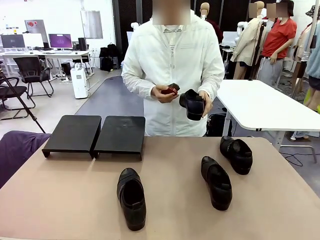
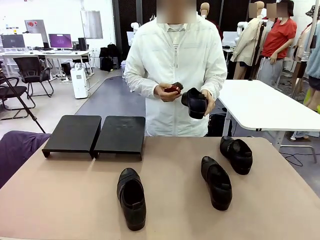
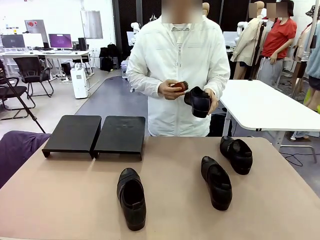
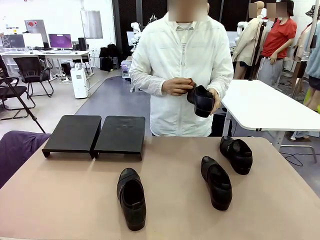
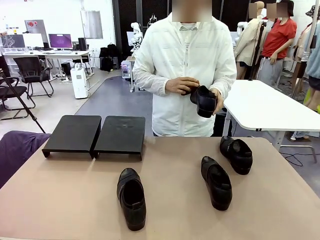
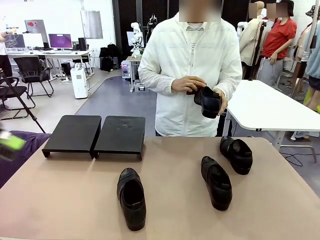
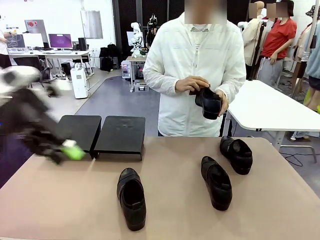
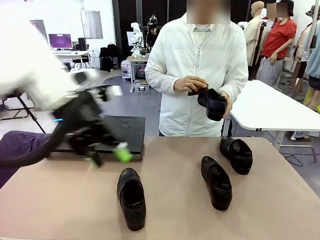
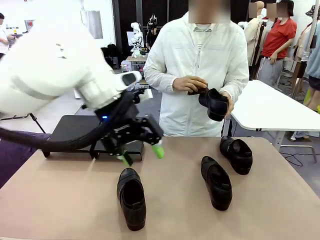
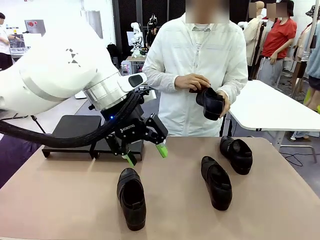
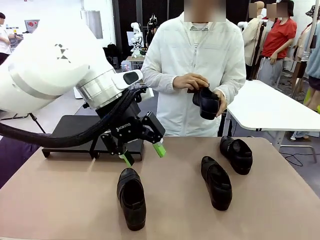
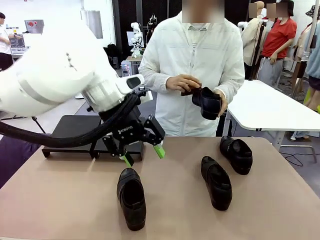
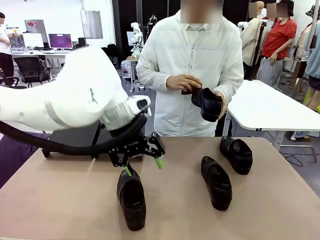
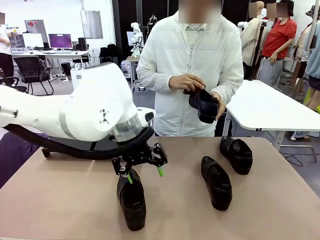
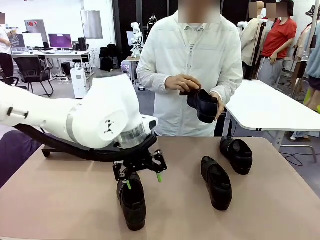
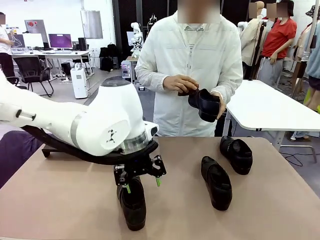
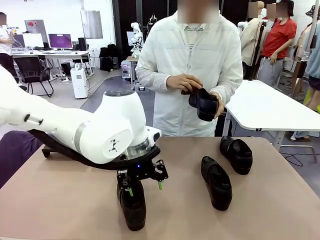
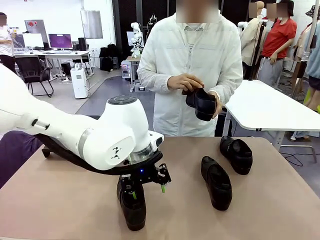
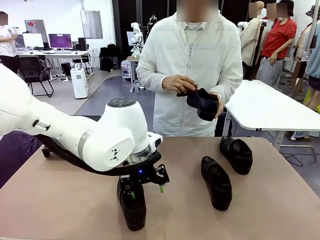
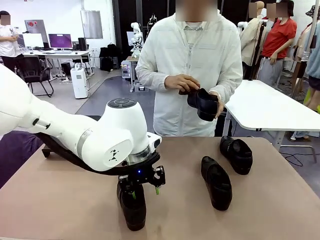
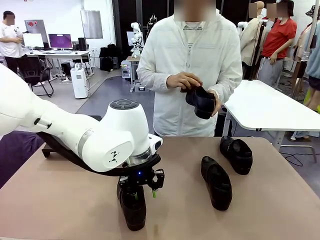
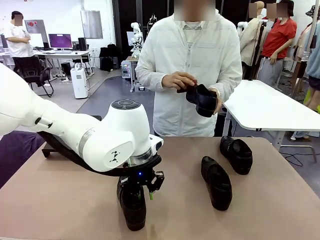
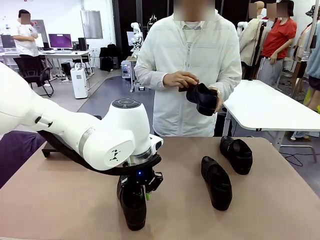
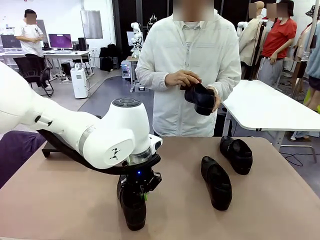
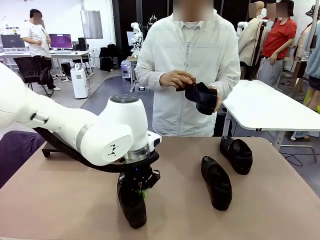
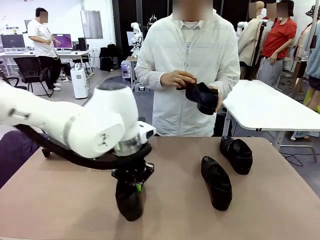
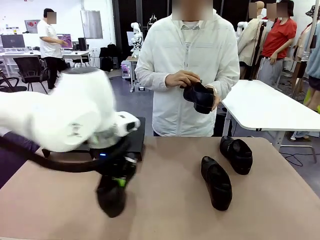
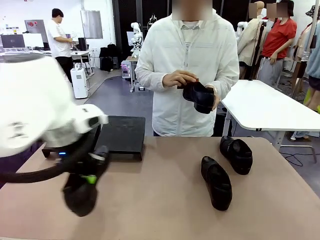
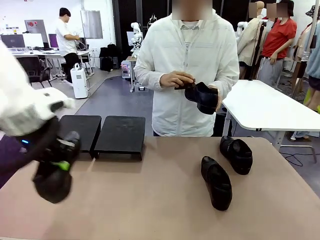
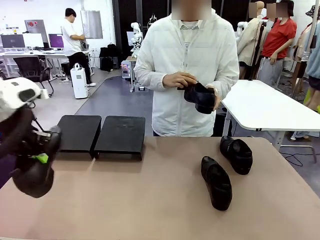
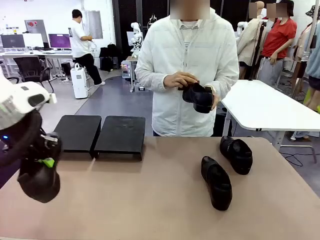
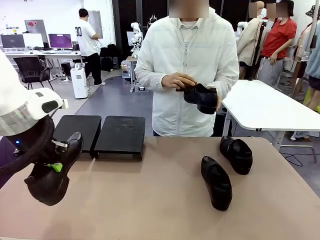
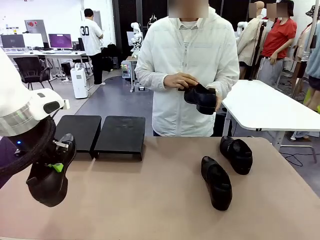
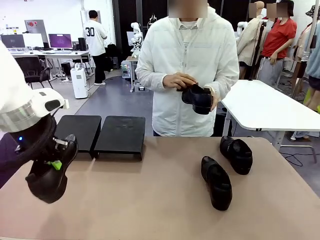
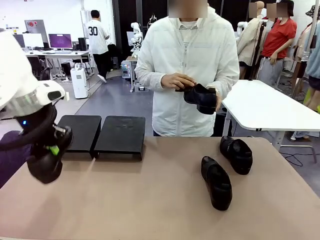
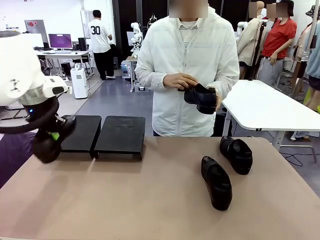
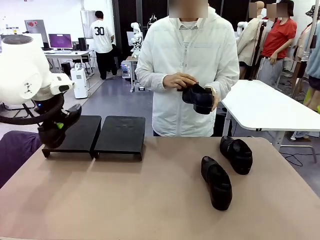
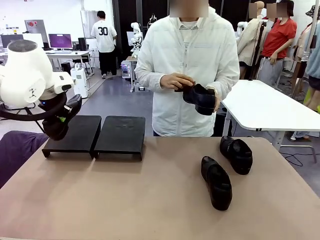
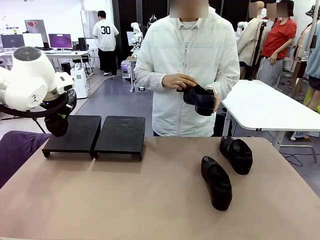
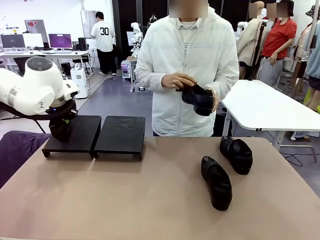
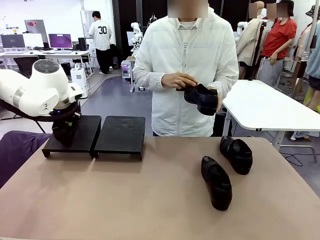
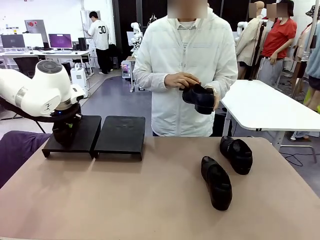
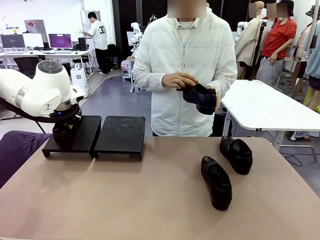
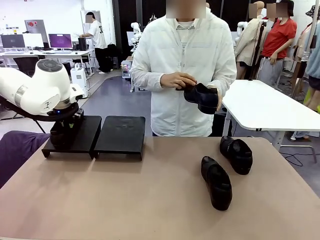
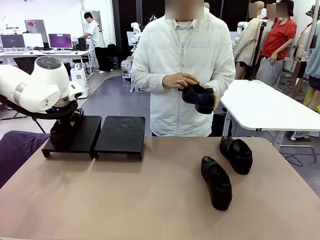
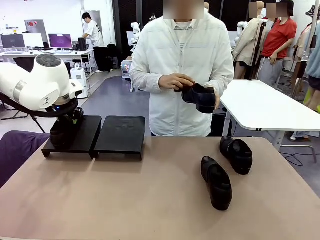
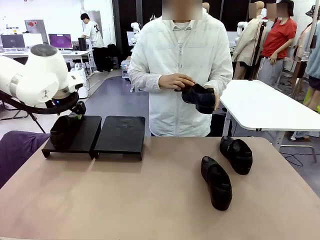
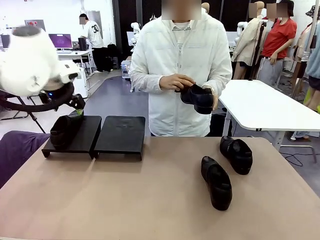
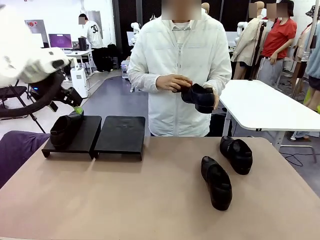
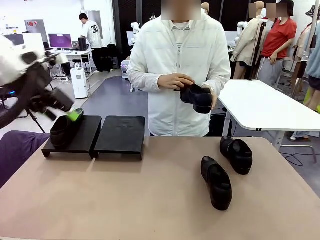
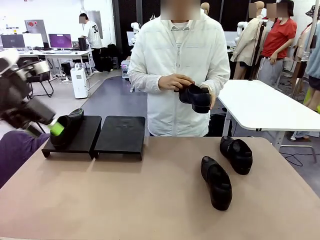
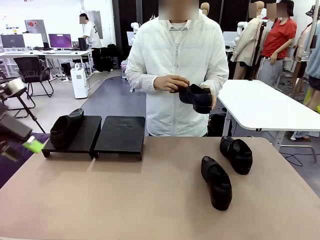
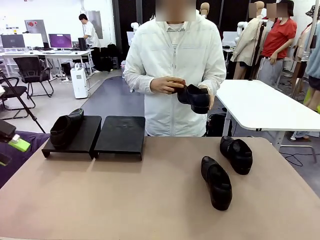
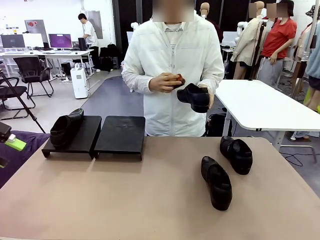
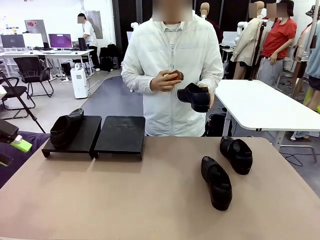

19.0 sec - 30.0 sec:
Task: Organize the shoes by placing them on the stand.
Robot: Place the Shoe from the middle of the table onto the Shoes Stand.
Person: Clean the Shoe with the Shoe Brush.

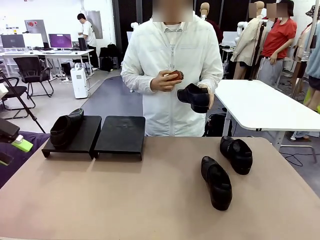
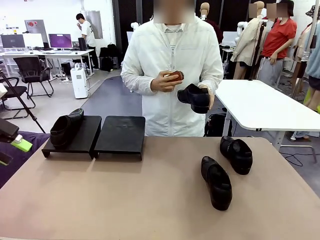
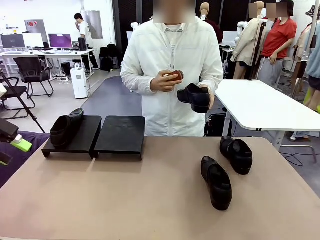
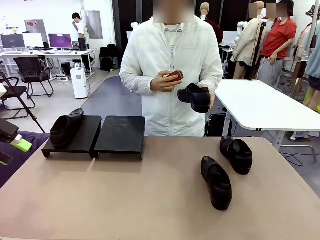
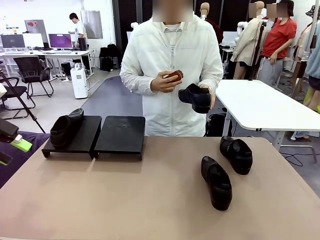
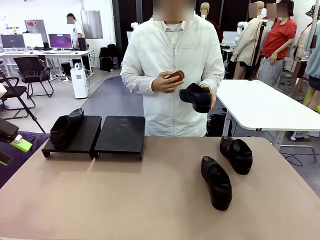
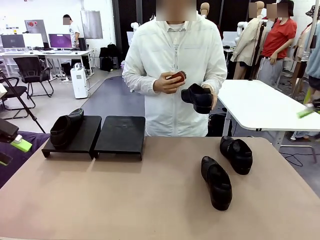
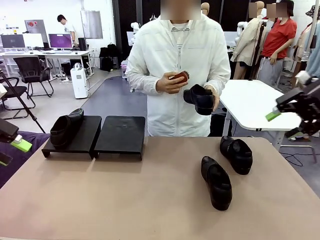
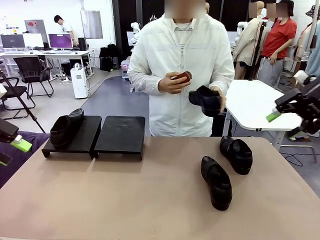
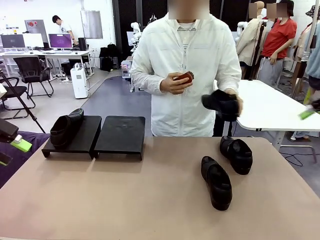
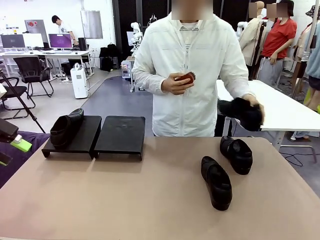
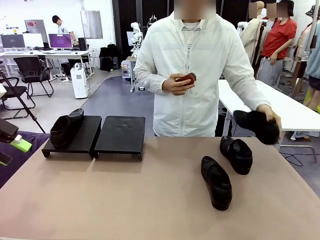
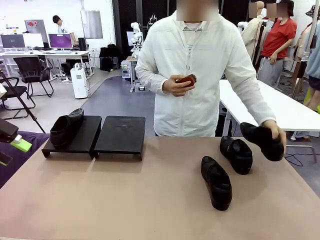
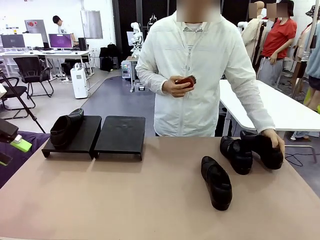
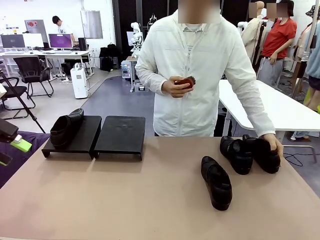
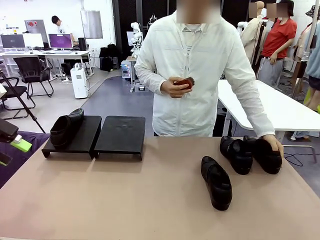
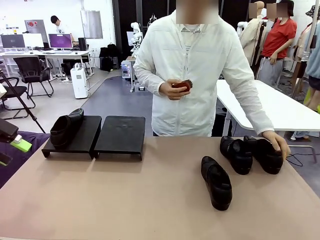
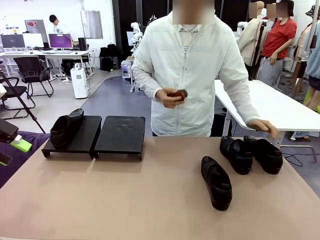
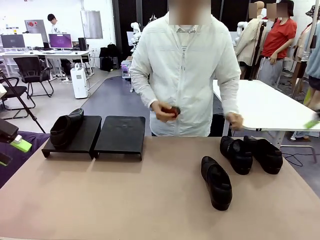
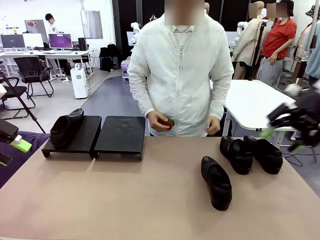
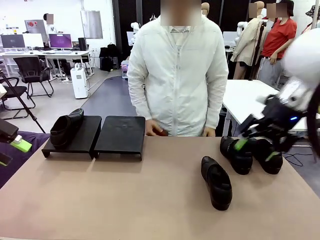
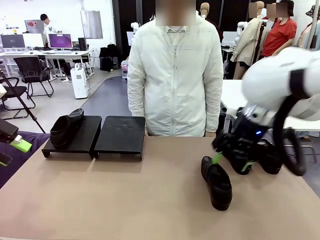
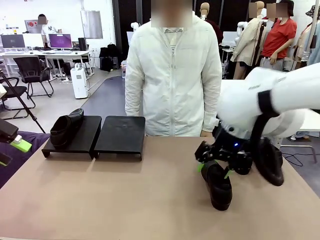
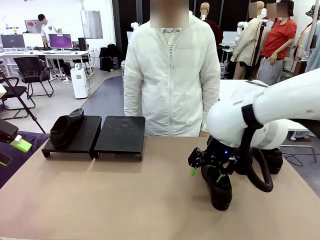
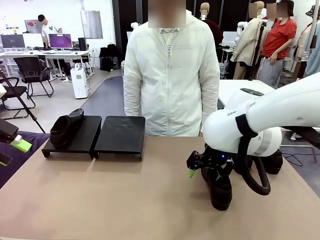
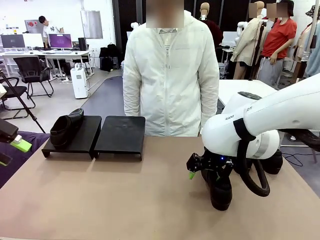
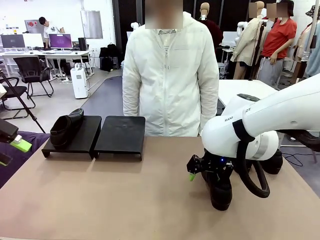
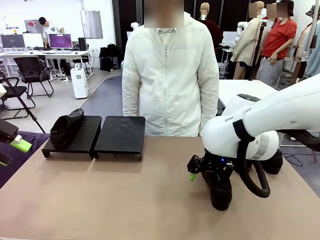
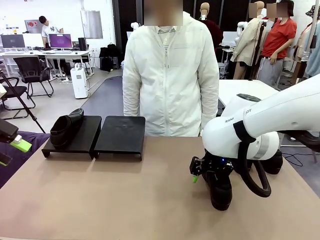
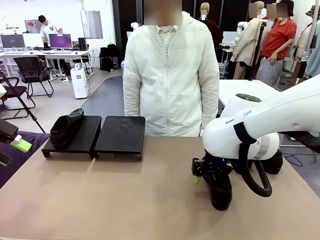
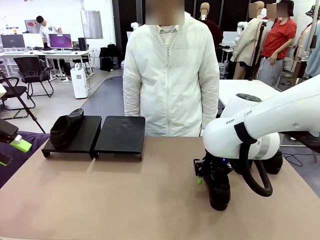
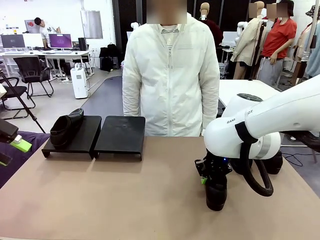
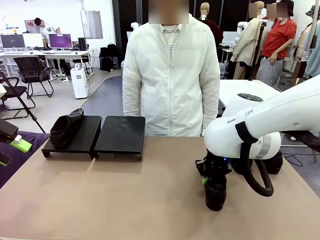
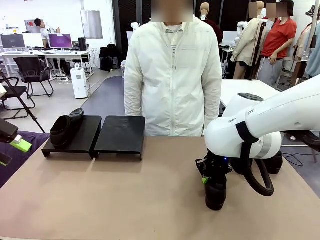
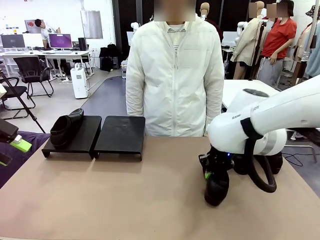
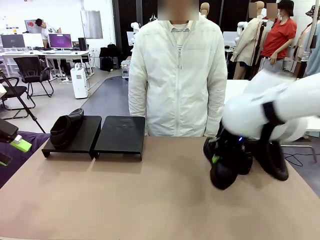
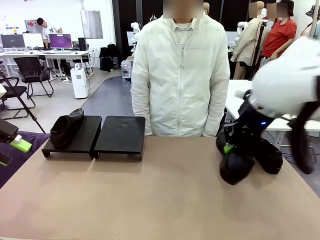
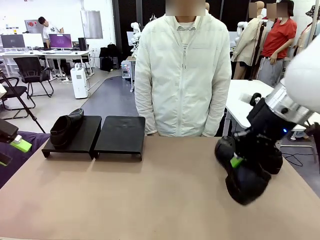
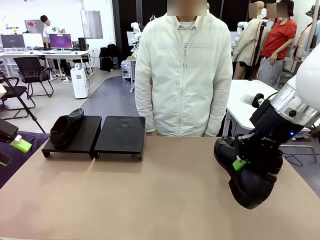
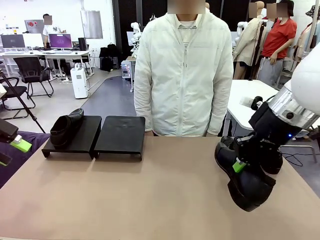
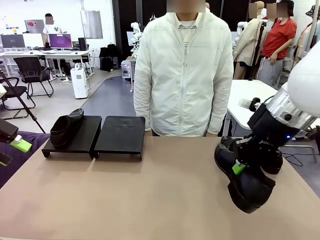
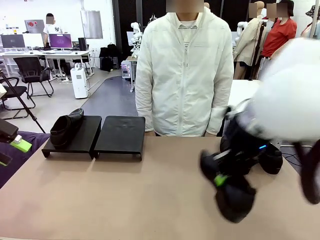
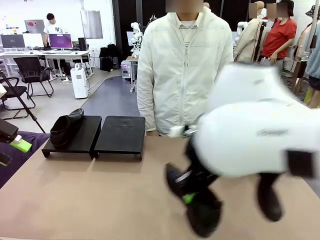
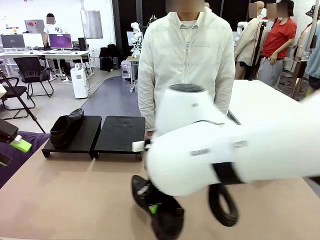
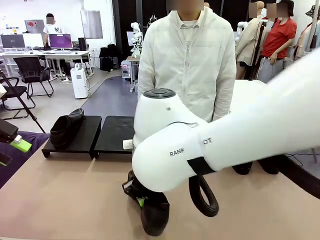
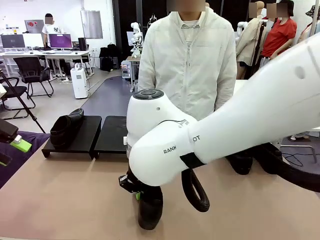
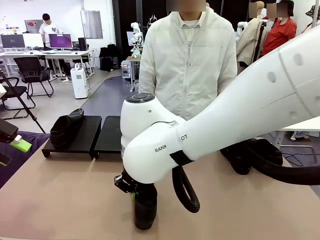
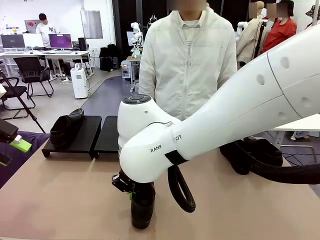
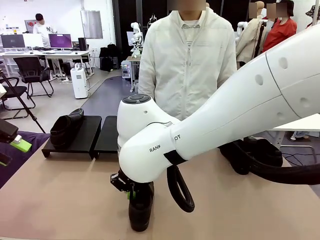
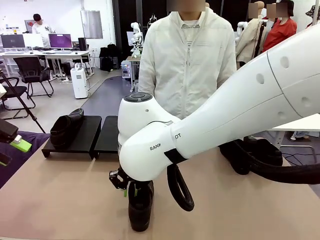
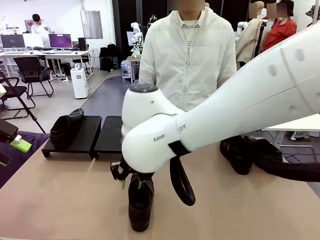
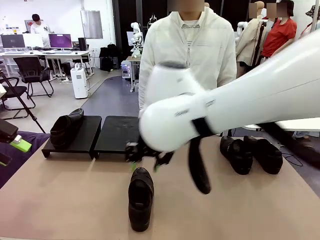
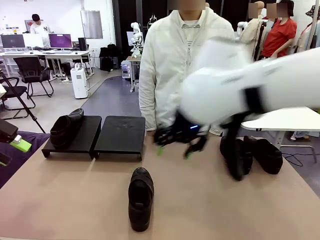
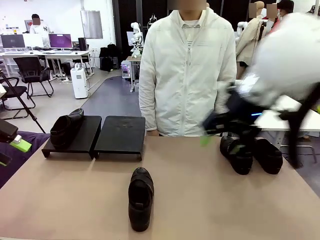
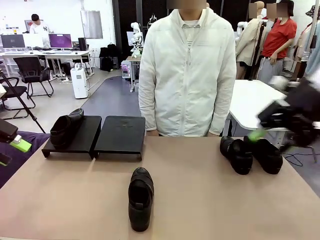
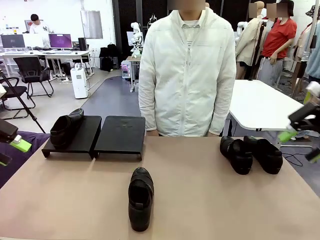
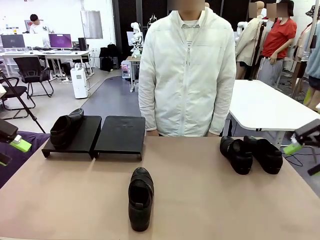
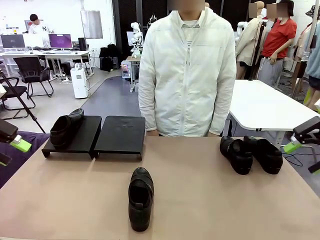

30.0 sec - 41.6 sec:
Robot: Pick up one Shoe and place it in the middle of the table.
